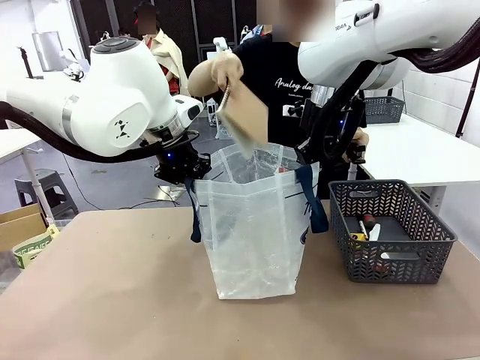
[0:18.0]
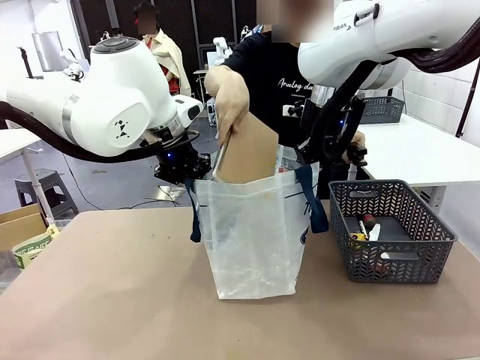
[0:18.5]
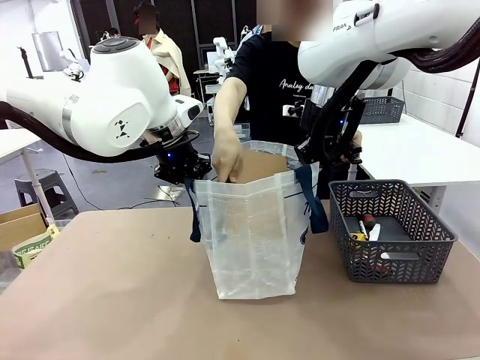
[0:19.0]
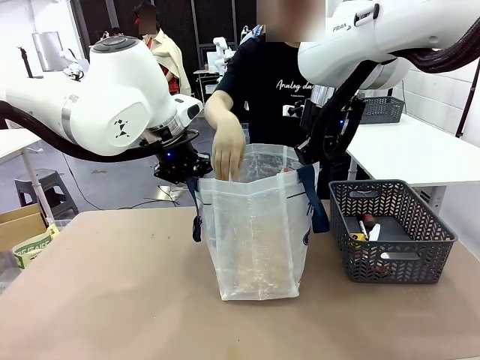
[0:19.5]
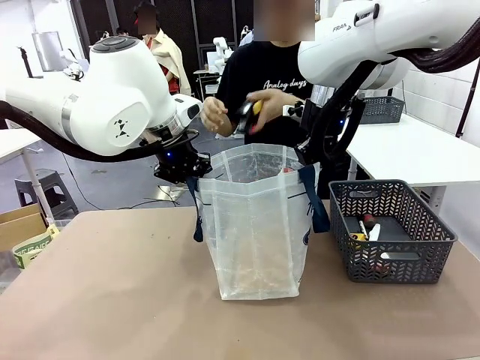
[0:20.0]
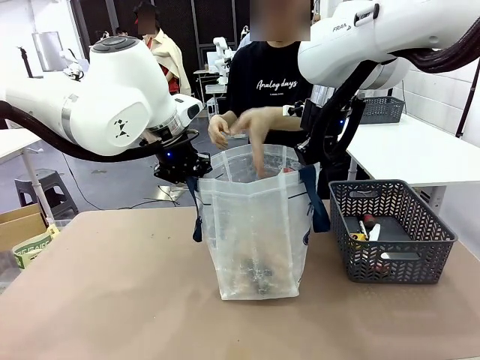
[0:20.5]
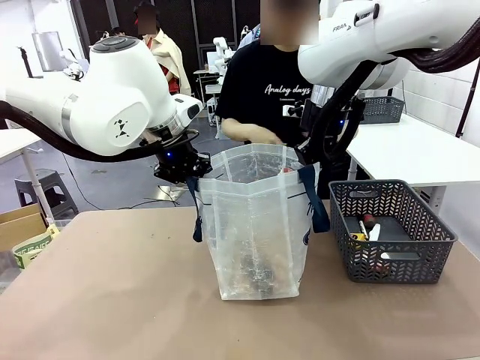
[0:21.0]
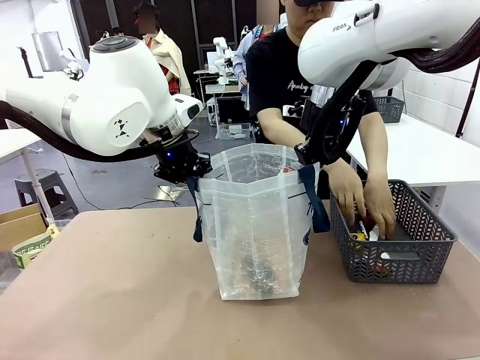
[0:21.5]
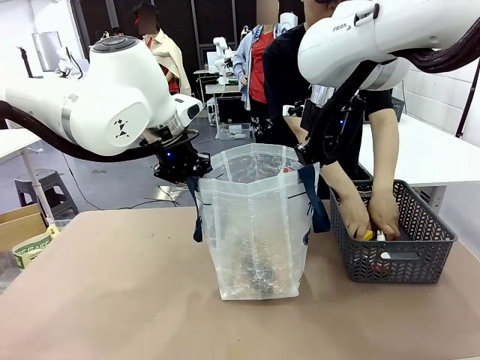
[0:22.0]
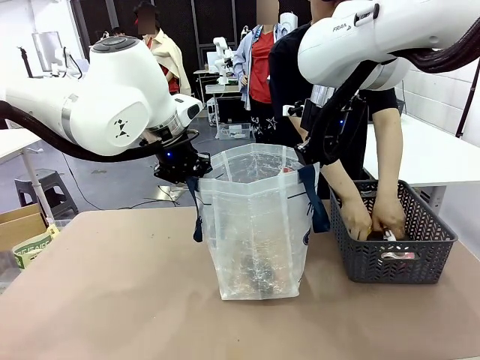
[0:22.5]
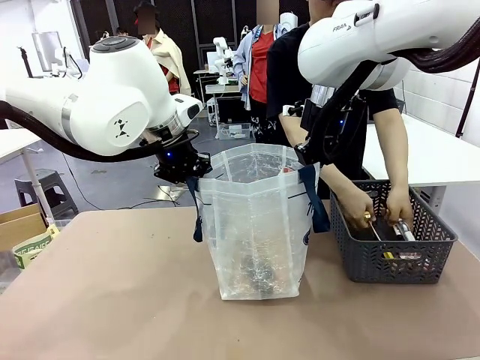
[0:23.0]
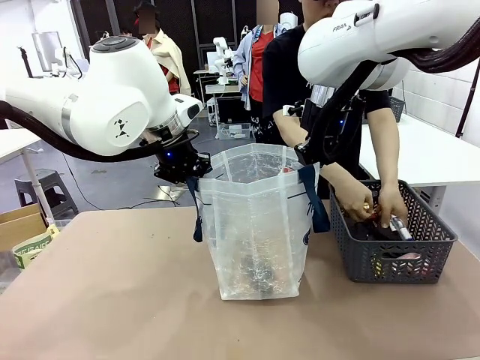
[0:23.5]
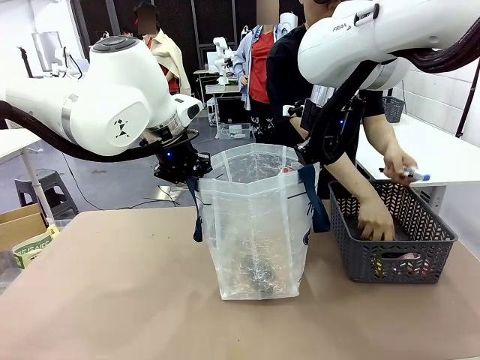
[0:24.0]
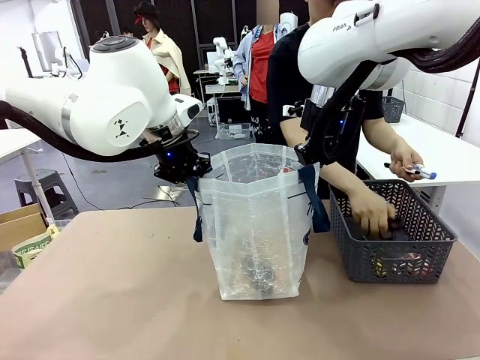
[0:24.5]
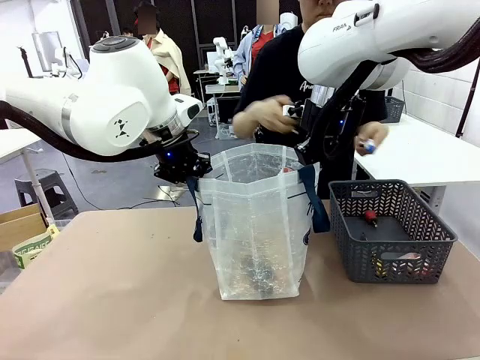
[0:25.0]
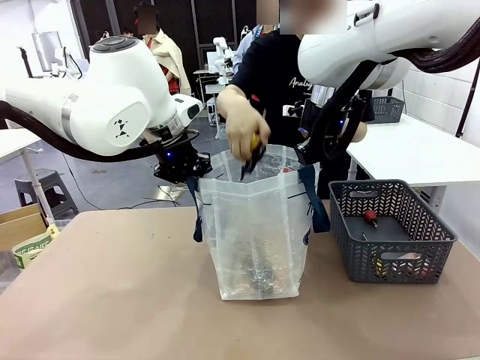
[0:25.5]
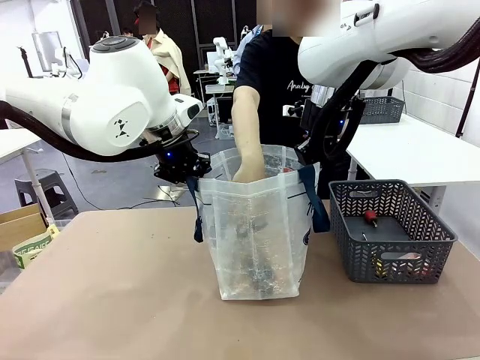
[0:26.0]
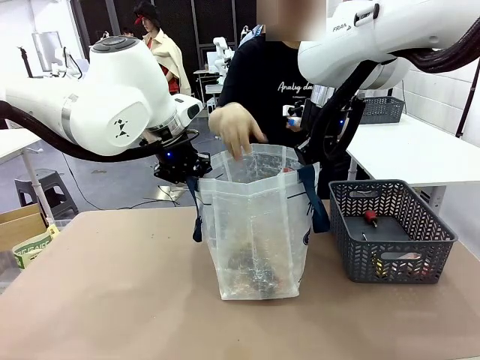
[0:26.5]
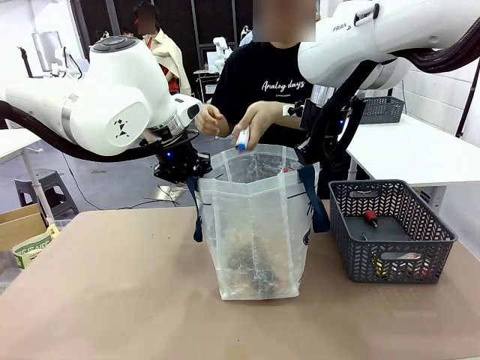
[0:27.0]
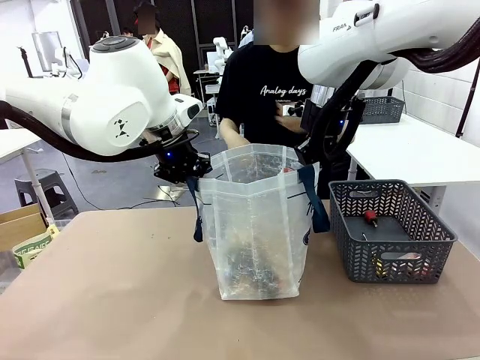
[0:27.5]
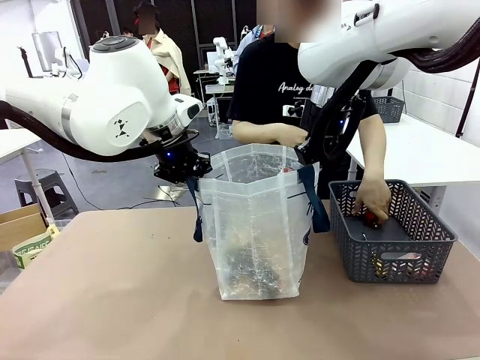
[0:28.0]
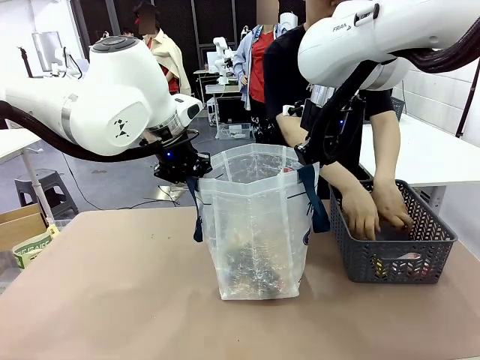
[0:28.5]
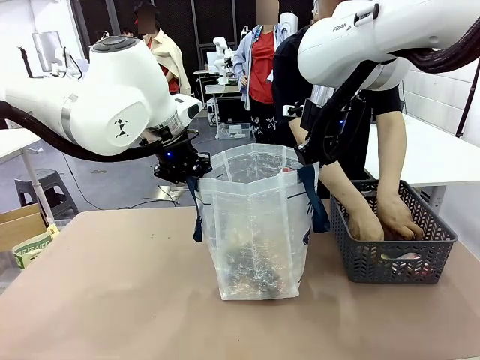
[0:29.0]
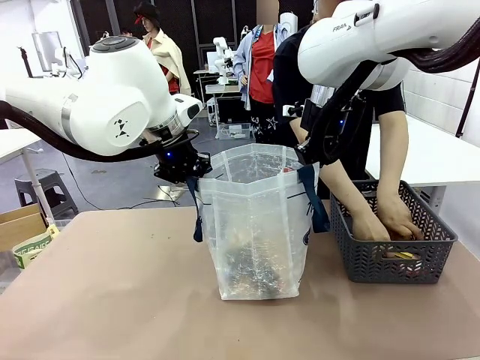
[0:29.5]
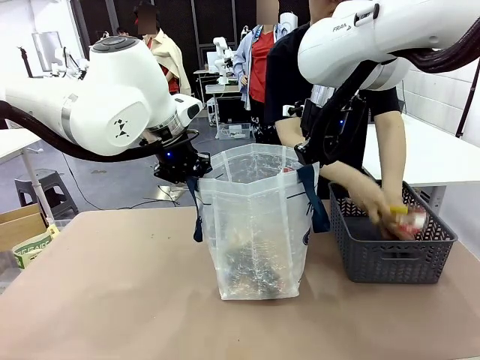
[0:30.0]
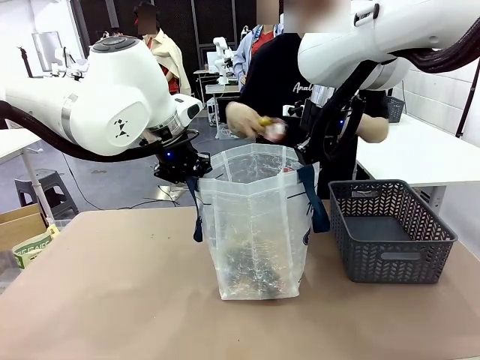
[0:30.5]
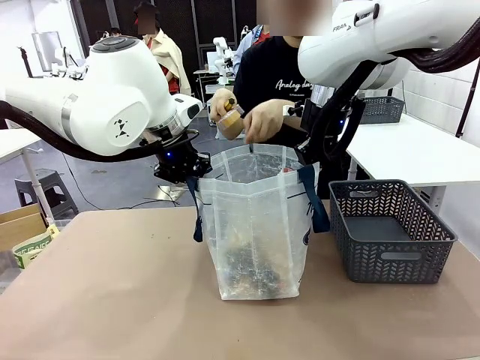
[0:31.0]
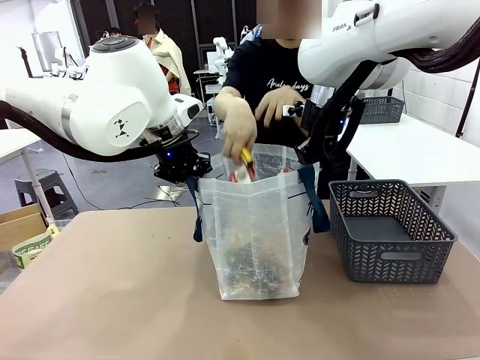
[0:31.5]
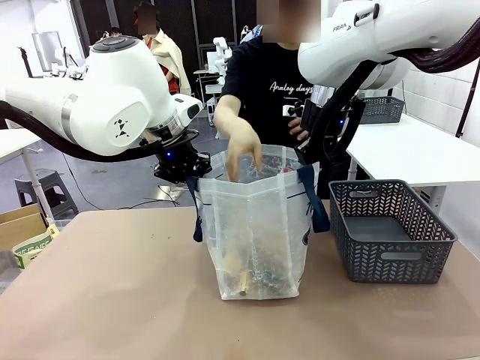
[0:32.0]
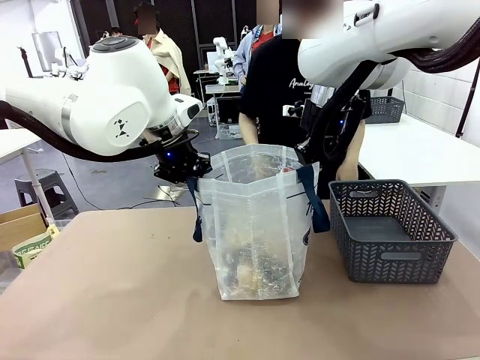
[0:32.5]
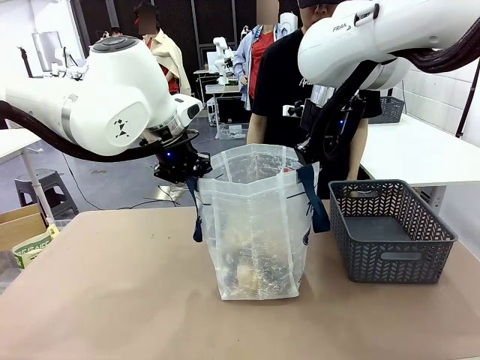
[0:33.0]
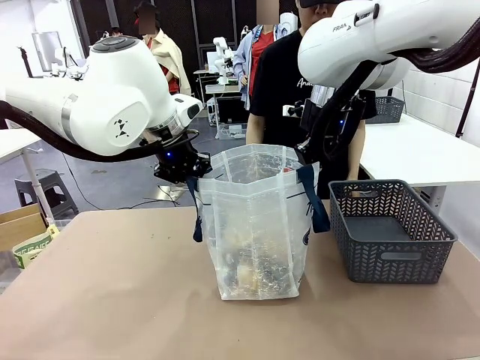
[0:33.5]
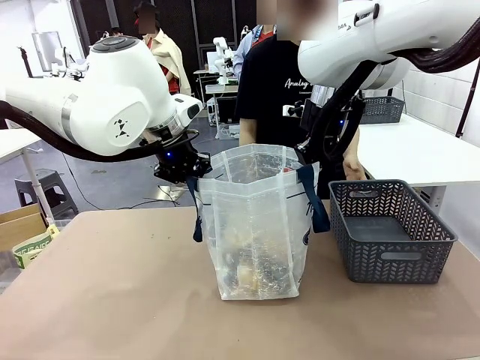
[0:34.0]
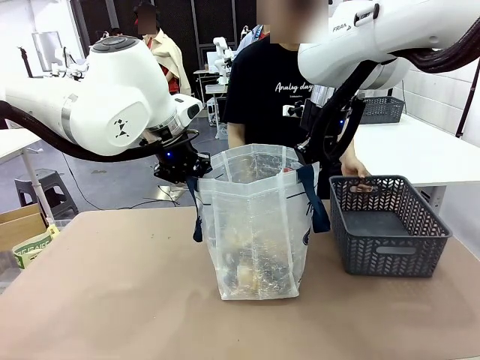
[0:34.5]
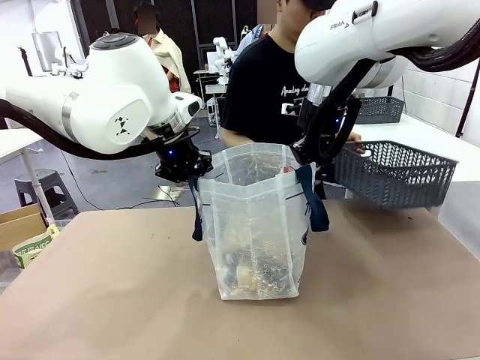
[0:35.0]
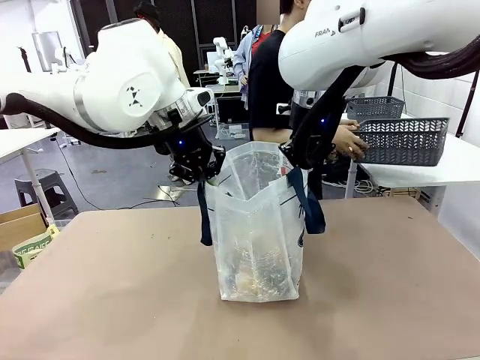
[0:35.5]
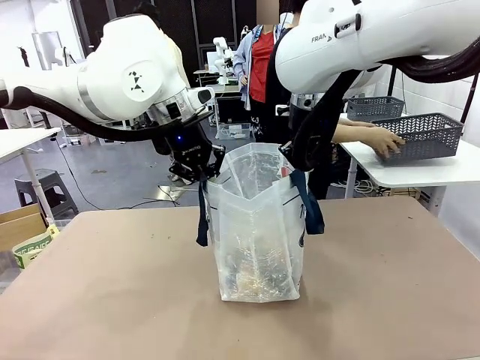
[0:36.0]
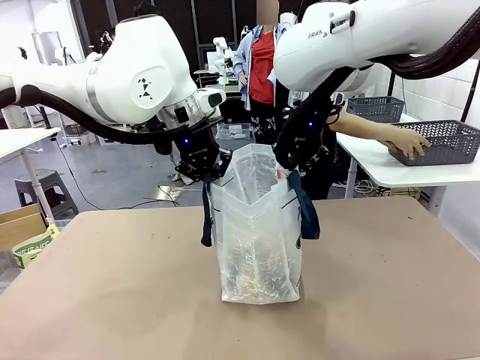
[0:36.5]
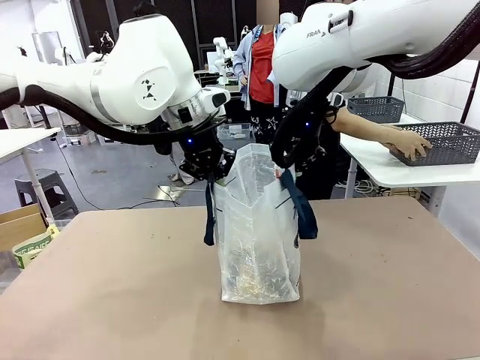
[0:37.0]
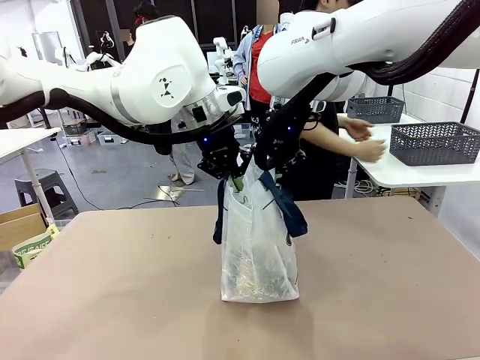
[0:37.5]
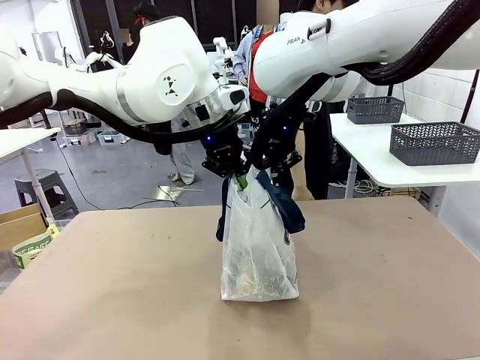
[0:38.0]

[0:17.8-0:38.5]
Task: Transfer purchased items from the store into the shopping bag.
Robot: Move the Reusable shopping bag to the right side of the table.
Person: Pick up the basket on the right, place it on the left side of the robot table, and move the items in the basket to the shopping bag. Pick up the basket with the items out and place it on the right side of the human table.

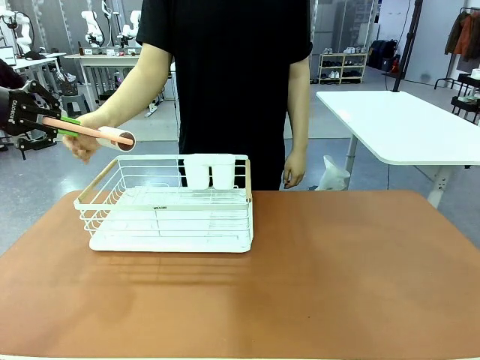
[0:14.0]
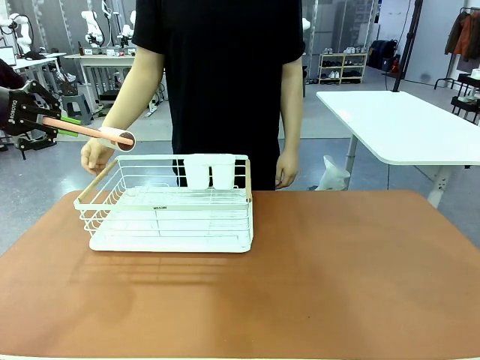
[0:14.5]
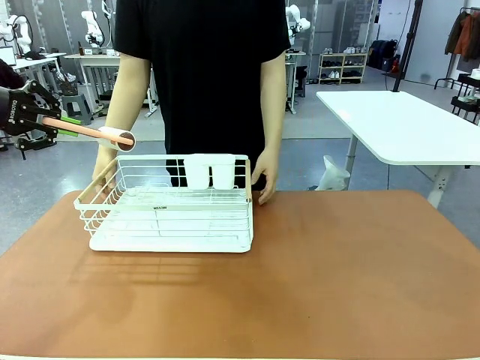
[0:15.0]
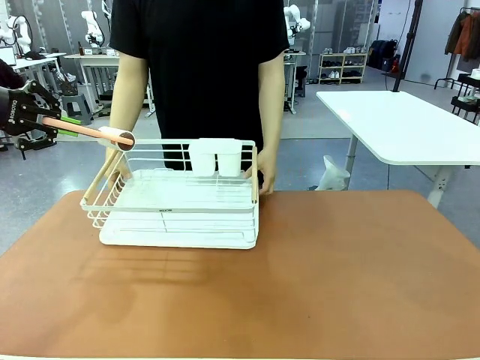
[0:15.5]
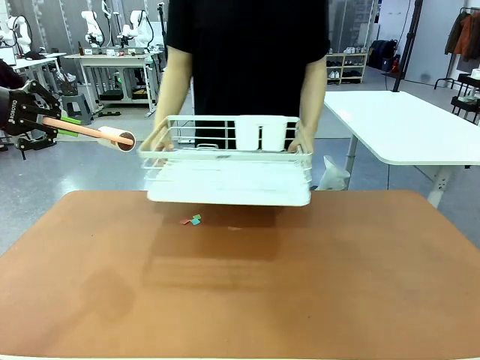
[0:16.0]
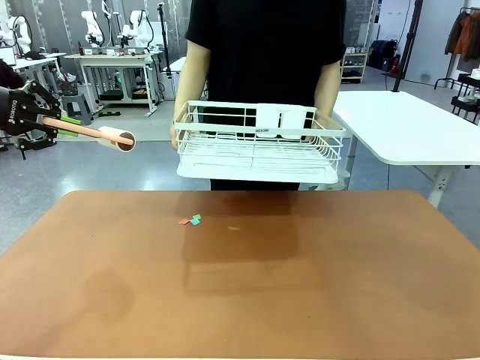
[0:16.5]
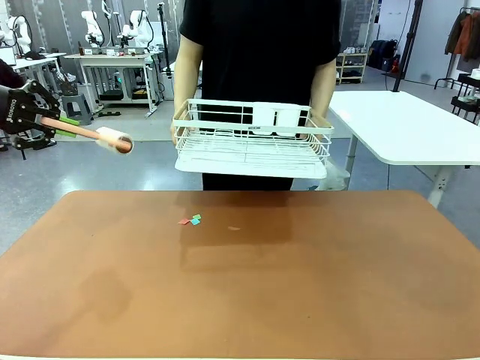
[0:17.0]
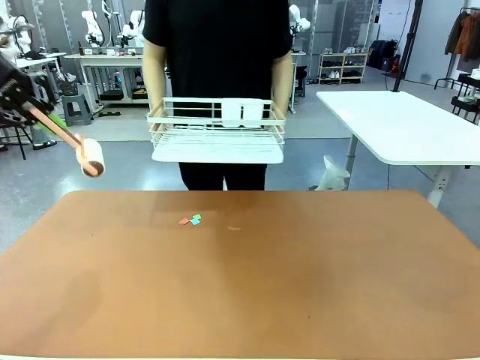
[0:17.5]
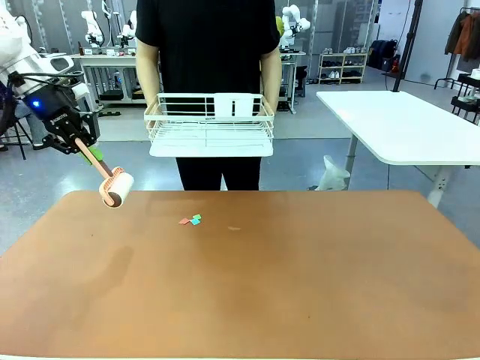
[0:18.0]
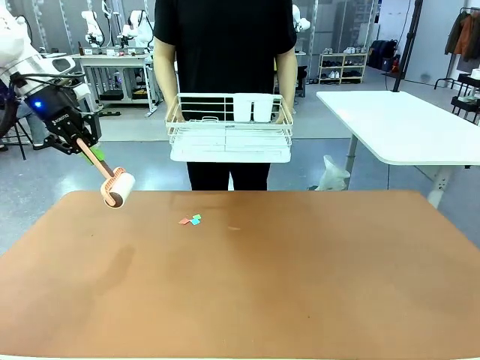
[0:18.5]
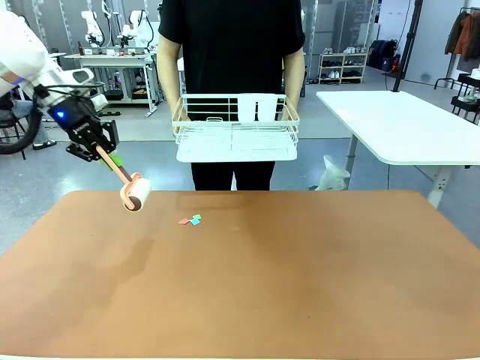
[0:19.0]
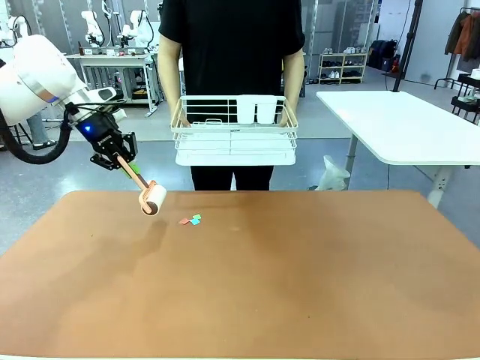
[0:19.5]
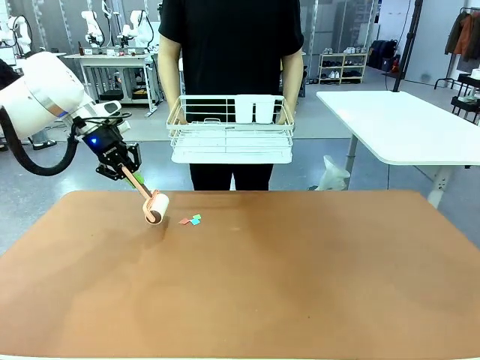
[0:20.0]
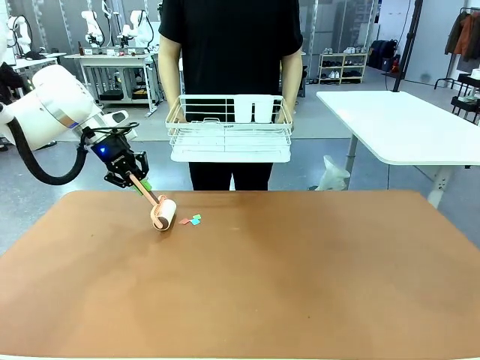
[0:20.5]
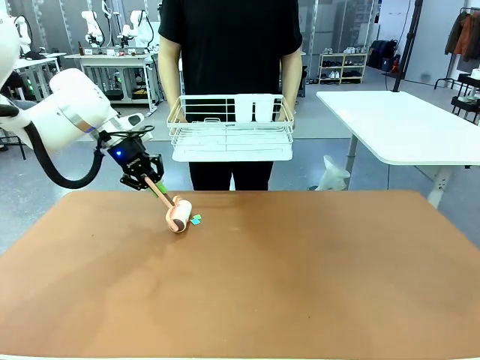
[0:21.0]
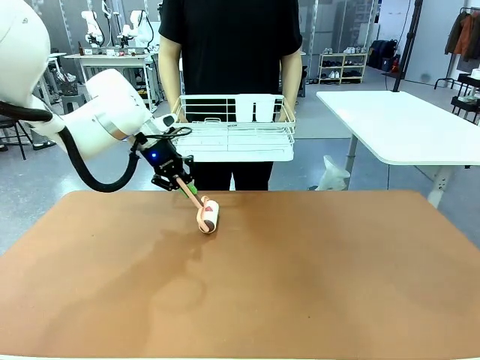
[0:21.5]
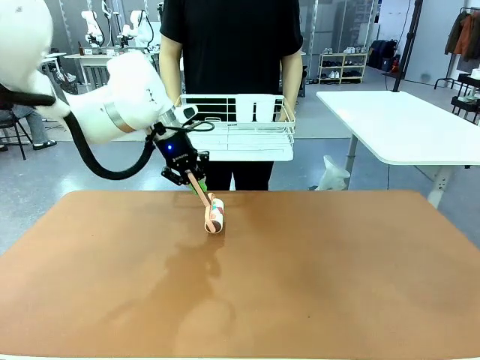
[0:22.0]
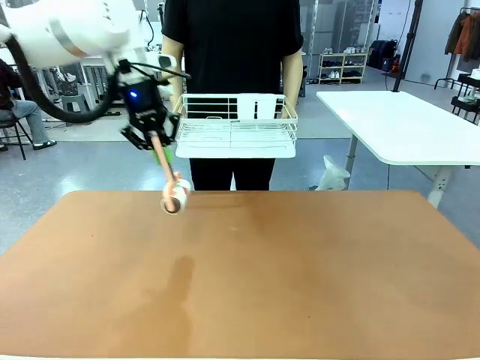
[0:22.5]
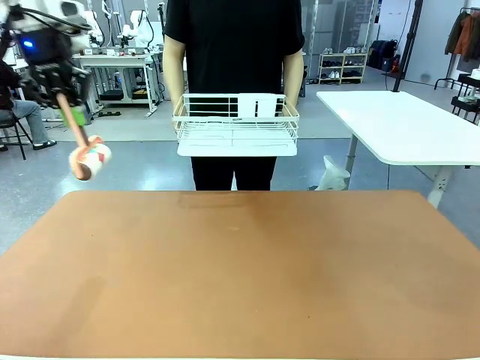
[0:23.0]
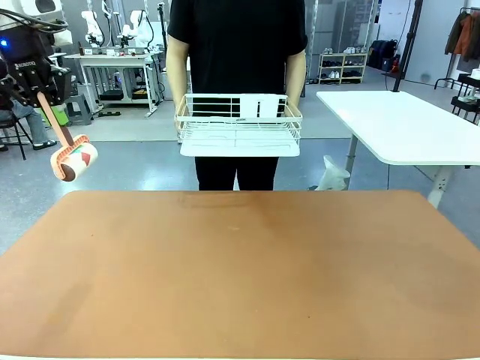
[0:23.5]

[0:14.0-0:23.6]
Task: Clean the table.
Robot: Clean the table with the Lint Roller when the human lifts the Dish drying rack.
